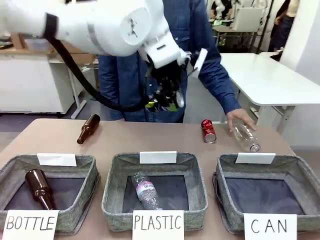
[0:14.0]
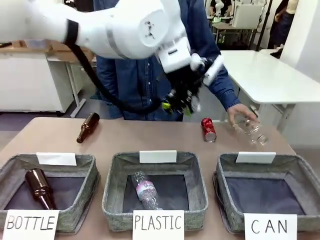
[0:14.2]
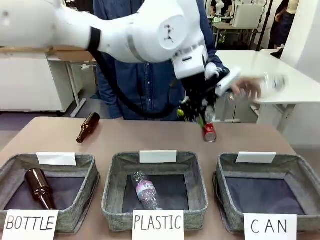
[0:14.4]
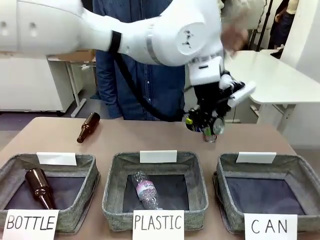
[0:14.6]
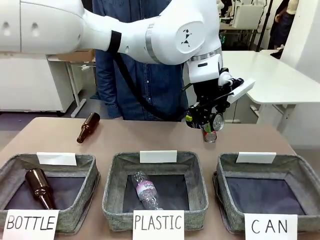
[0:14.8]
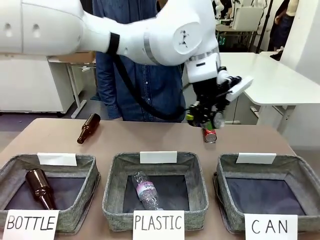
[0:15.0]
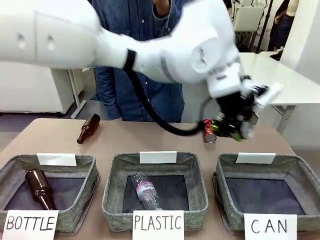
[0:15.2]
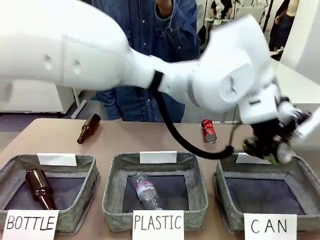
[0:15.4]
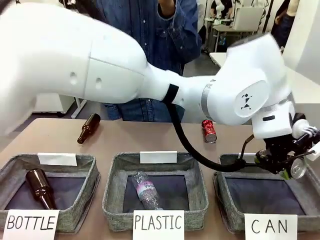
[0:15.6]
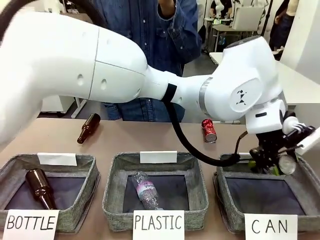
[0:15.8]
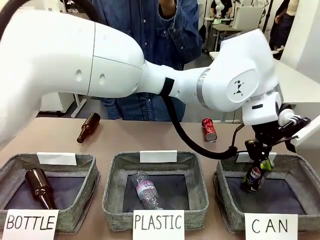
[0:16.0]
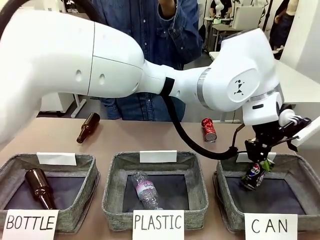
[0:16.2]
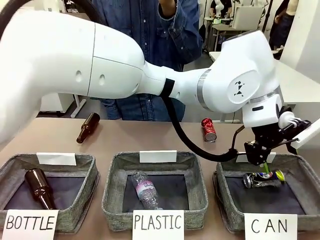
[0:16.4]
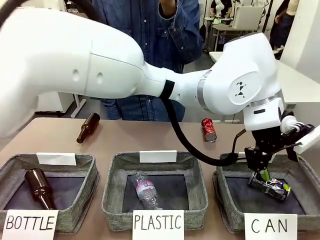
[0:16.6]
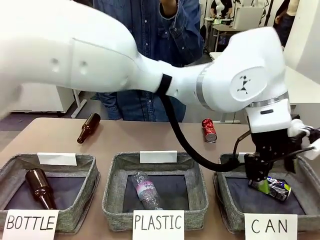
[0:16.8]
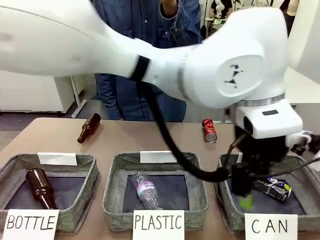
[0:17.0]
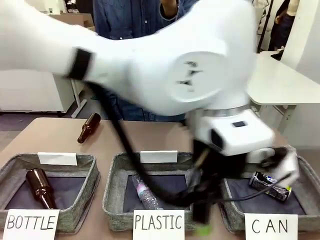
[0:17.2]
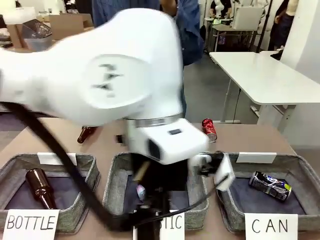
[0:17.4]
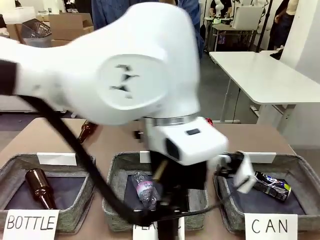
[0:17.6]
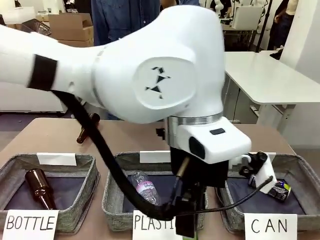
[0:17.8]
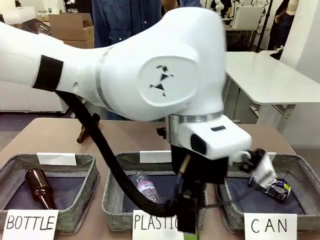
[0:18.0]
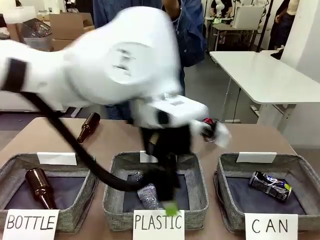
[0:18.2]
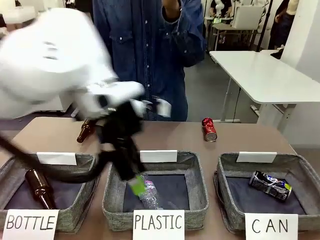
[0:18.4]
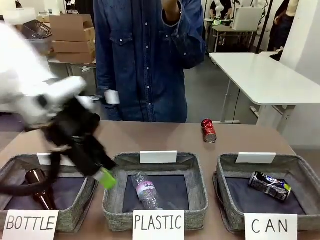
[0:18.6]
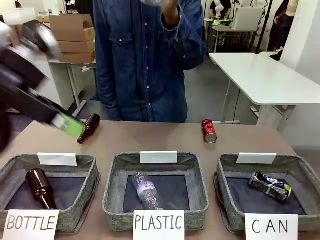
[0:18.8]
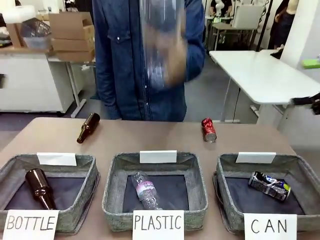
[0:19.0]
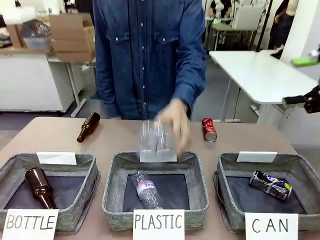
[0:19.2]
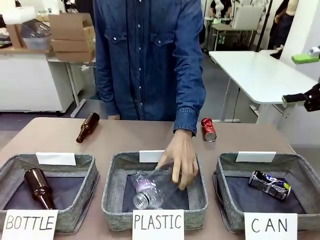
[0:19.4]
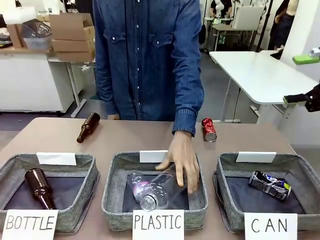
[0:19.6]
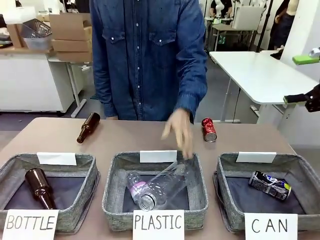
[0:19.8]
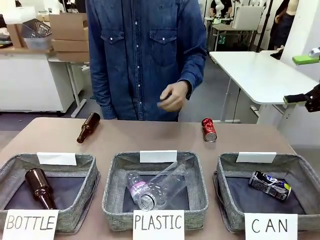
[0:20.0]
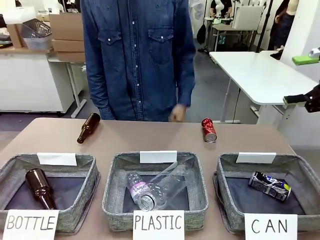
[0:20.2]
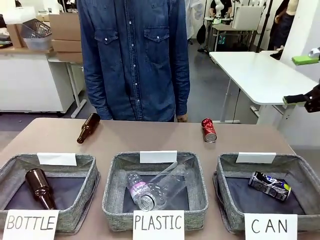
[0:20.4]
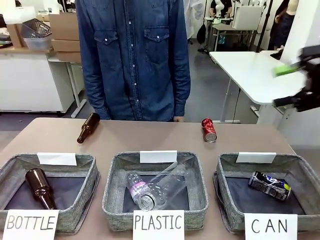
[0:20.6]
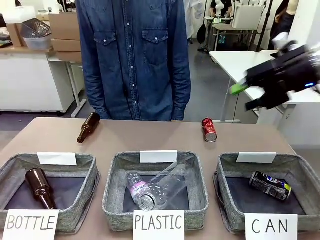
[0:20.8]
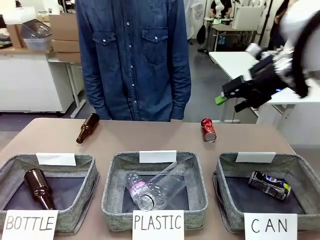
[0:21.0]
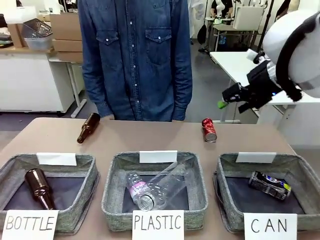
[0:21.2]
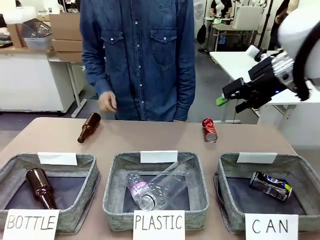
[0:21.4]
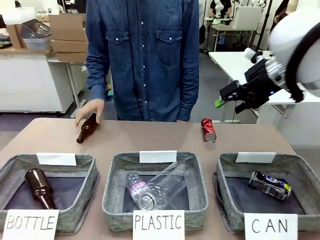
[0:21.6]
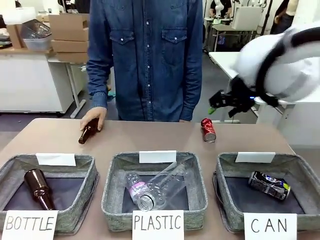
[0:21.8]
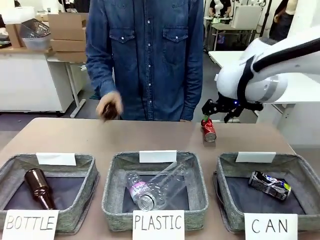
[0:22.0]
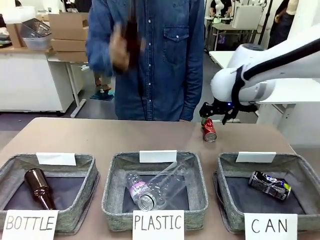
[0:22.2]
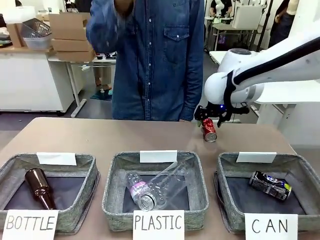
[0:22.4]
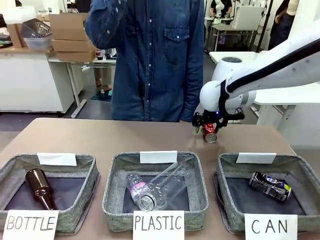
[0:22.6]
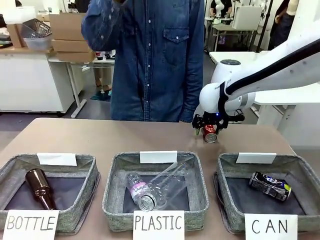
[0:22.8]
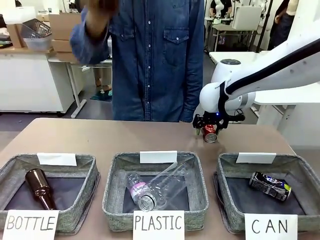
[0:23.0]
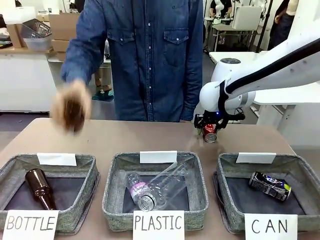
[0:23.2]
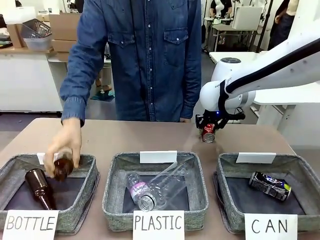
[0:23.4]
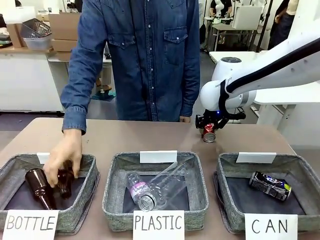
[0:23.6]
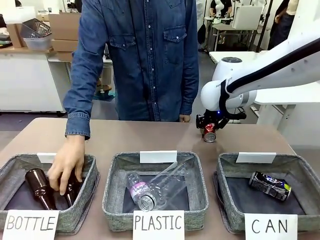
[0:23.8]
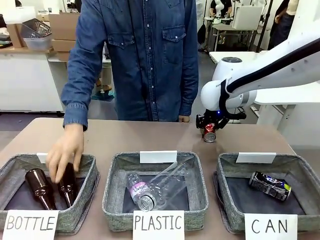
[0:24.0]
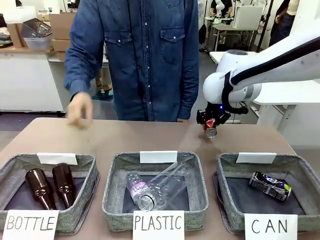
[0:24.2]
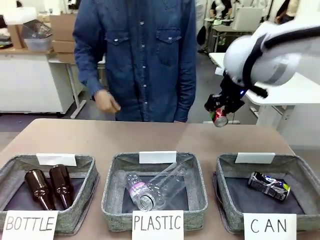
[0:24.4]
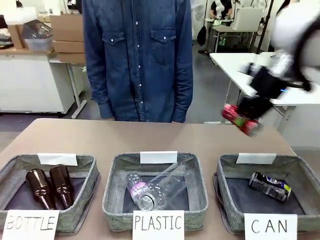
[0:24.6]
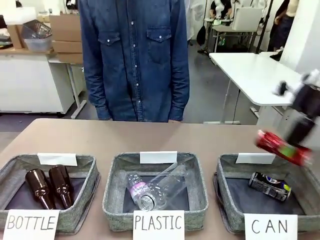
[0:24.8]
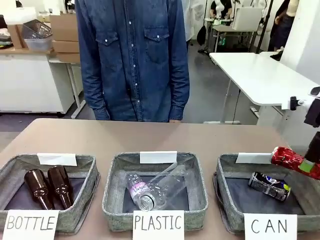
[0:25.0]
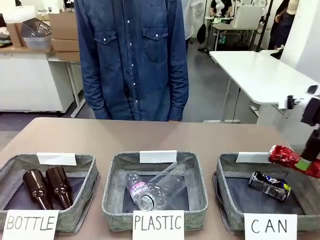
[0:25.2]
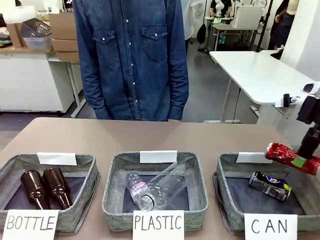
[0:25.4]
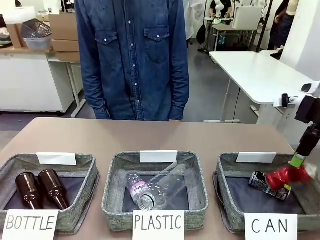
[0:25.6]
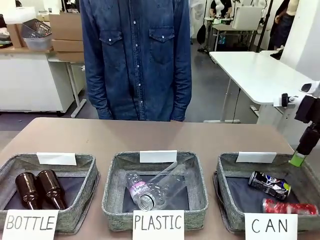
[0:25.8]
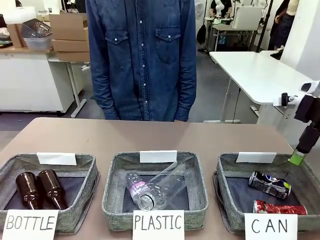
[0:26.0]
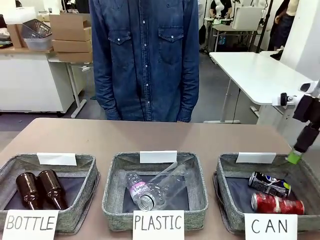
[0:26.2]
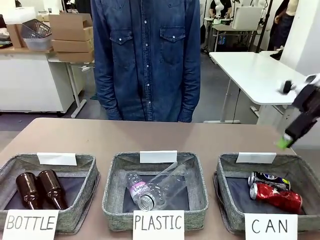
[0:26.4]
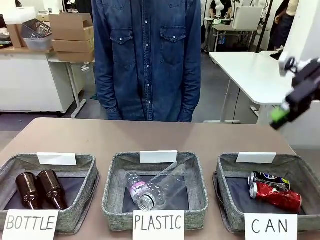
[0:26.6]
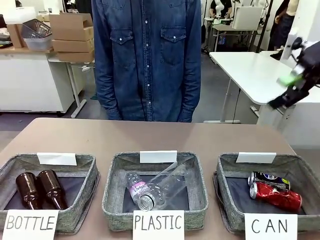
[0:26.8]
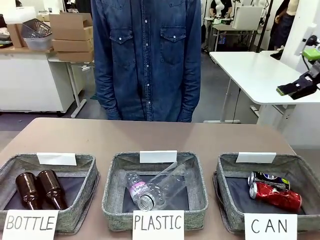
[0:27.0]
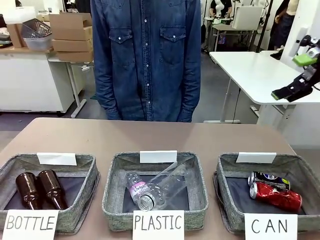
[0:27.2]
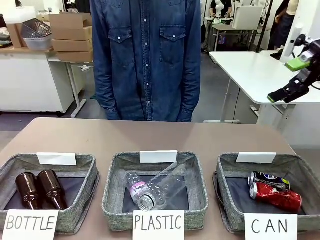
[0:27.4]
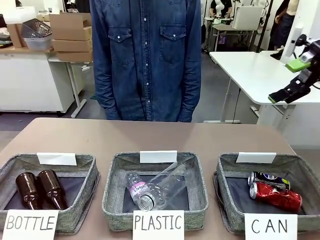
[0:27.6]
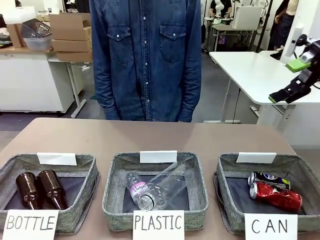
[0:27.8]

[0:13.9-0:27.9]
Task: Sort the can waste into the basket.
Robot: Pick up the can waste from the table and place it in the right Fabric basket.
Person: The human picks up one piece of trash that is not a can and places the trash into the appropriate organizing basket.
